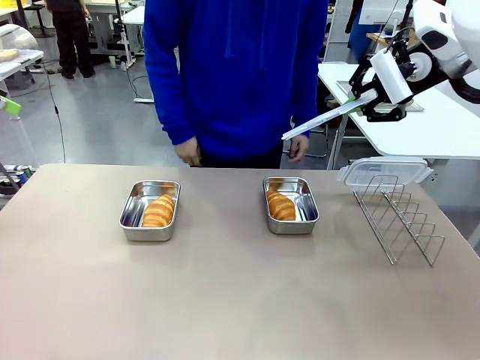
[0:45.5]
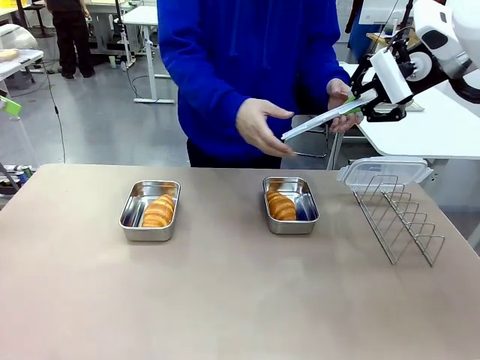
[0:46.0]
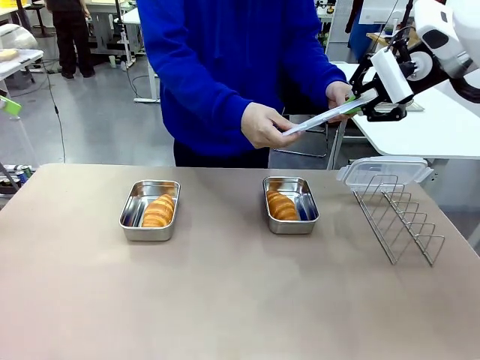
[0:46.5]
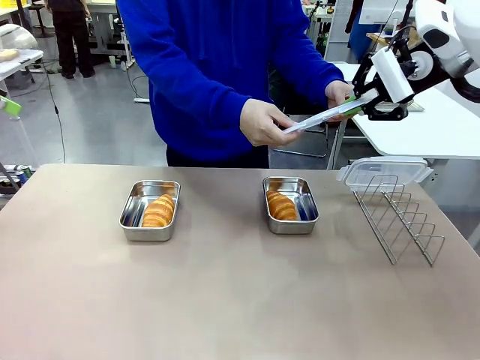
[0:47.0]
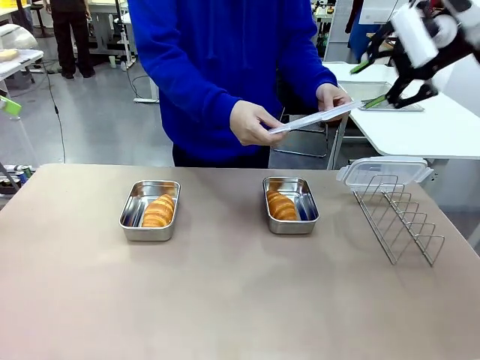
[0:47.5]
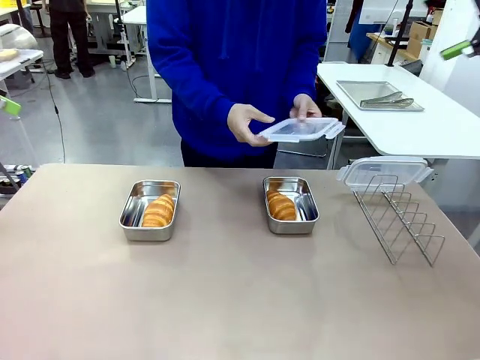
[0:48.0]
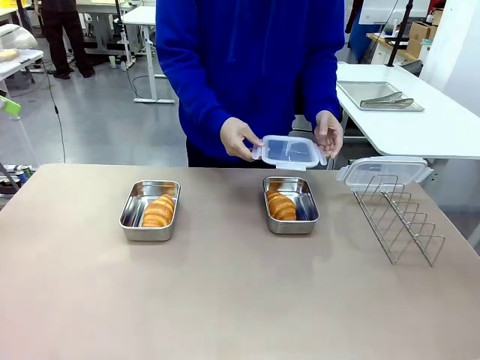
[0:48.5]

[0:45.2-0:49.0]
Task: Place the bread in airtight containers.
Robot: Release when the human grabs the Airtight Container lid.

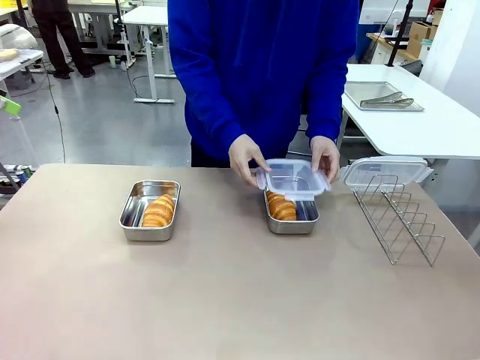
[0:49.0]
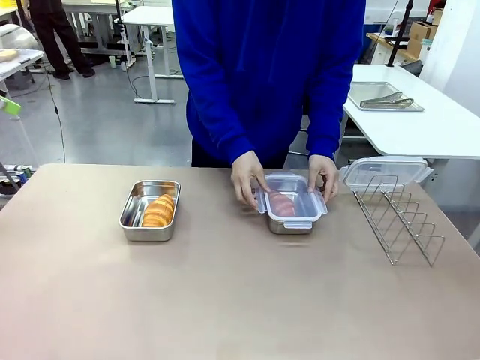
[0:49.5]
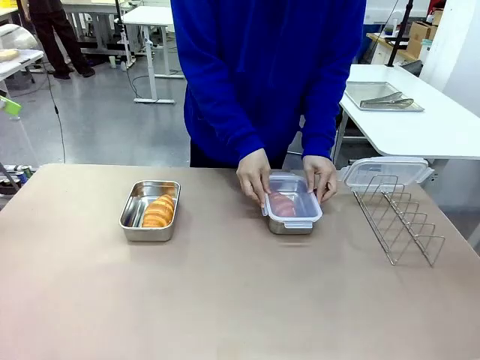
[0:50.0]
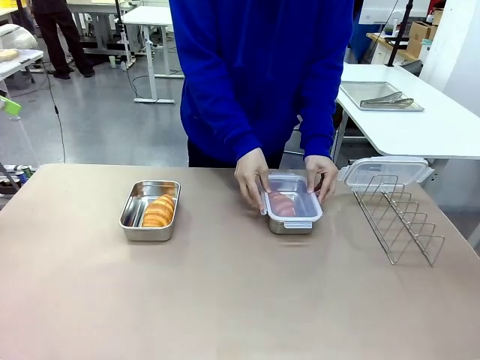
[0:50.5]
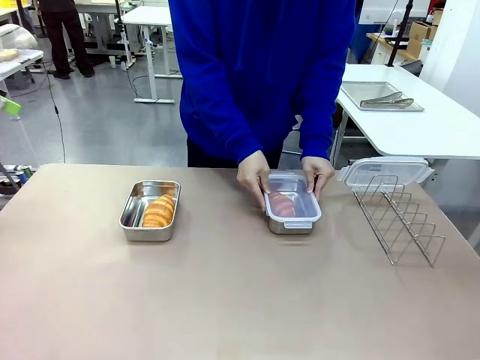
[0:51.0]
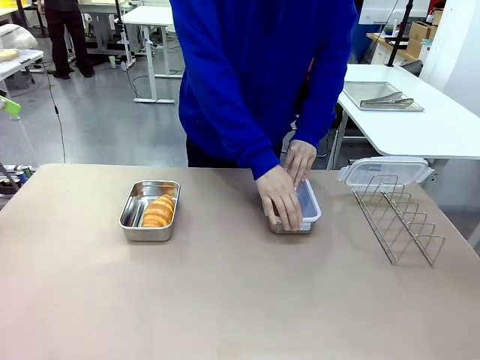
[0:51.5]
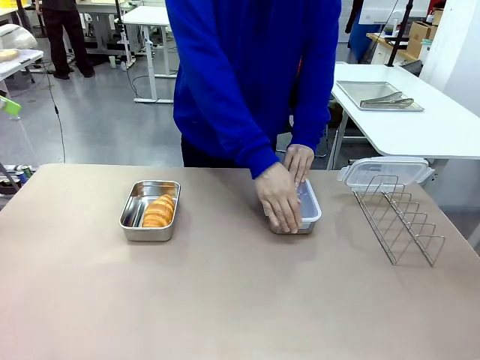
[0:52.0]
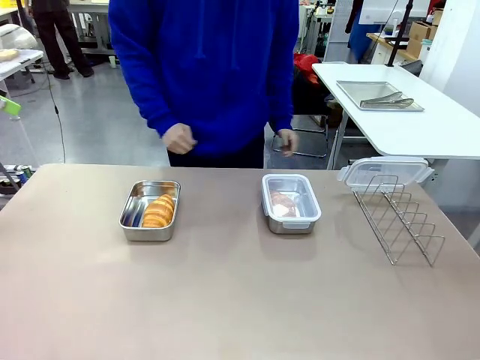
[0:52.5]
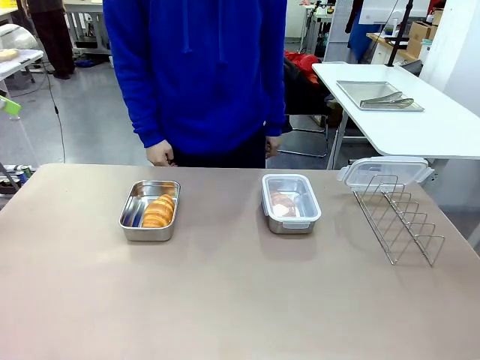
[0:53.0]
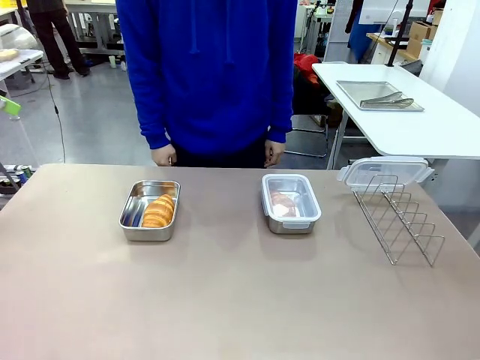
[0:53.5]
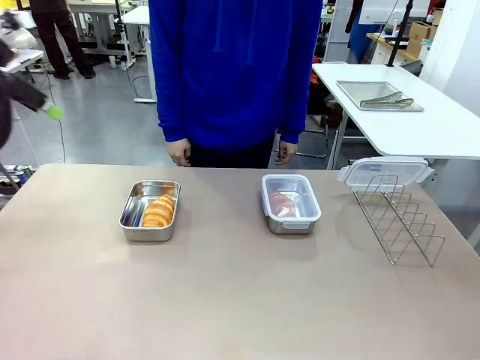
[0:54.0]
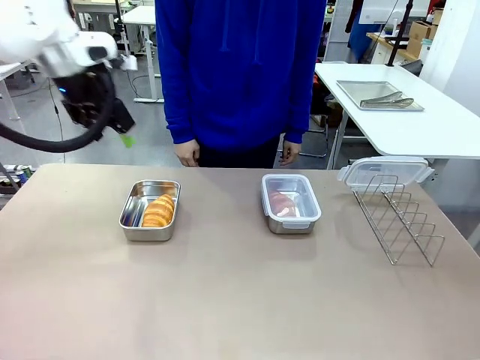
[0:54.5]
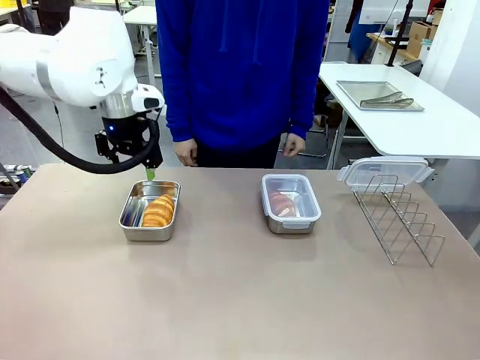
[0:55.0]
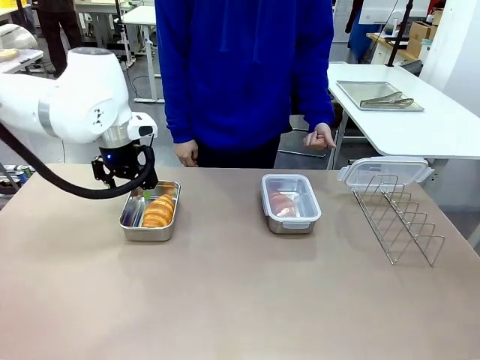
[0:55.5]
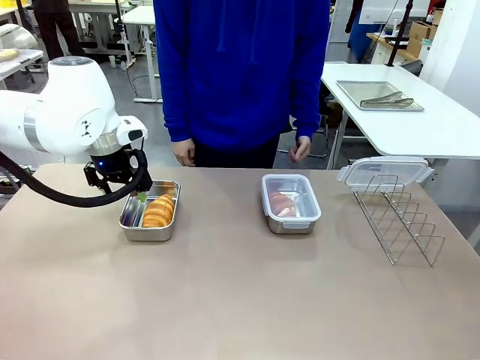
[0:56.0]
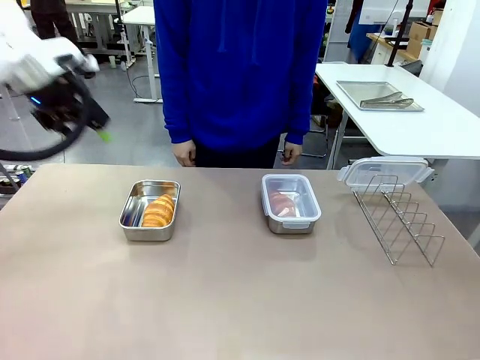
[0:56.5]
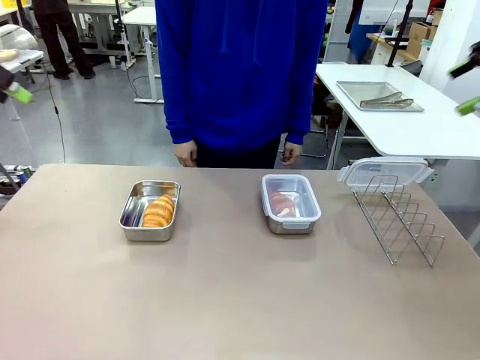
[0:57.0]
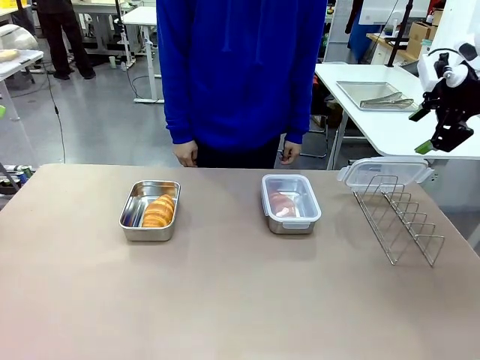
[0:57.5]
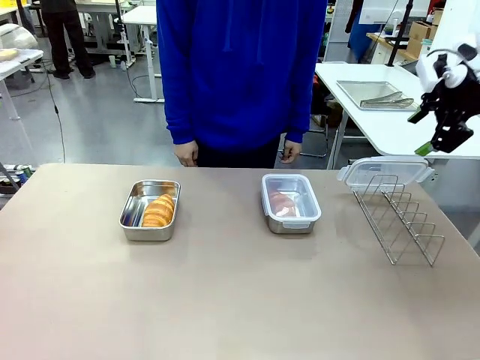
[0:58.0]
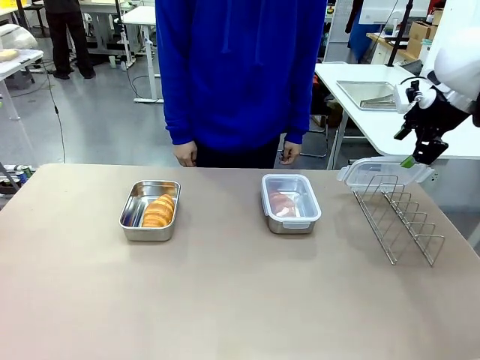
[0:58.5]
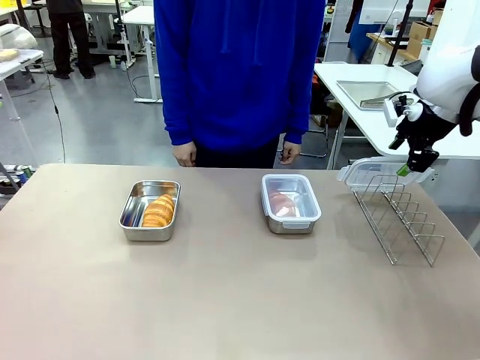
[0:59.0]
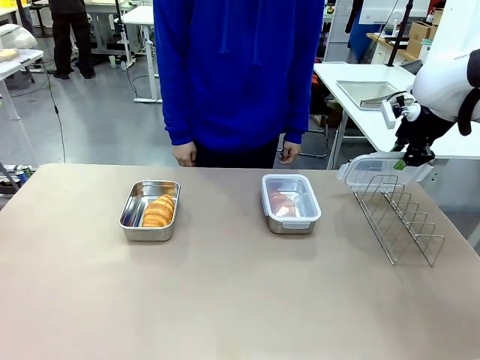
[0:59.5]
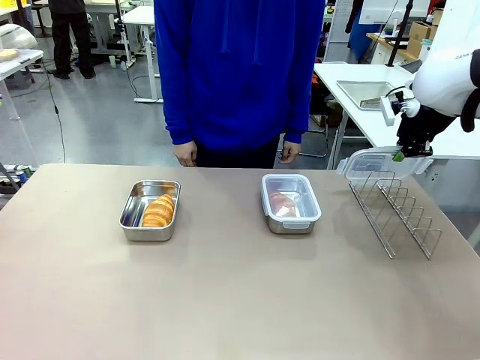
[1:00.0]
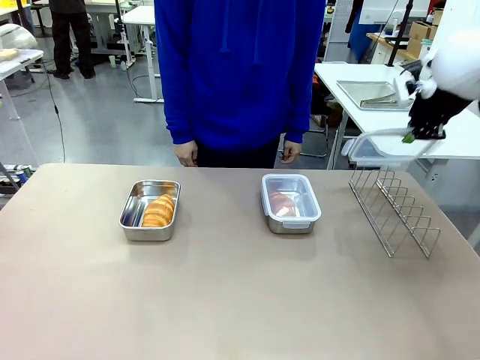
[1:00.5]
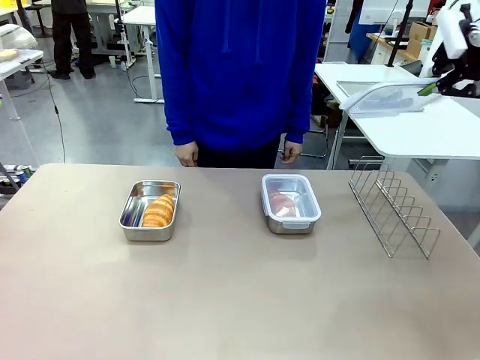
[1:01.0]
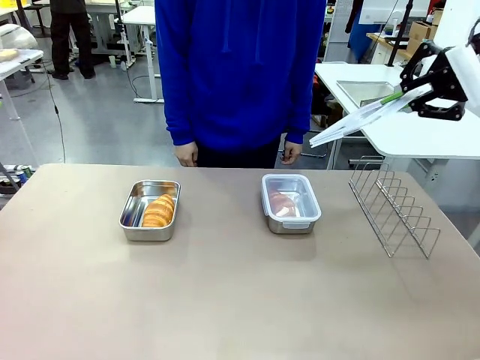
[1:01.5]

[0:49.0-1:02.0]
Robot: Pick up one Airtight Container lid and hand it to the human.
Person: Close Airtight Container with a handed Airtight Container lid. Grip Airtight Container lid that robot is handing.

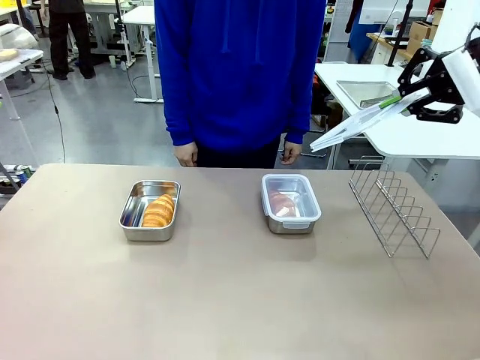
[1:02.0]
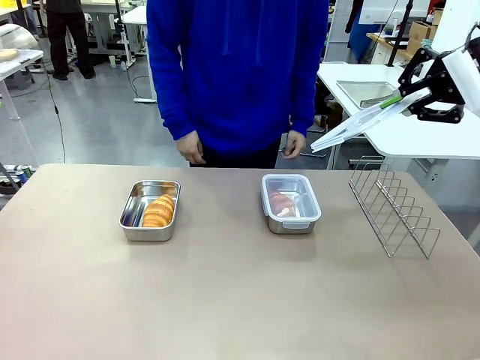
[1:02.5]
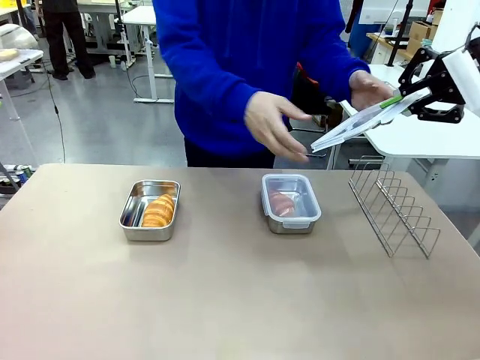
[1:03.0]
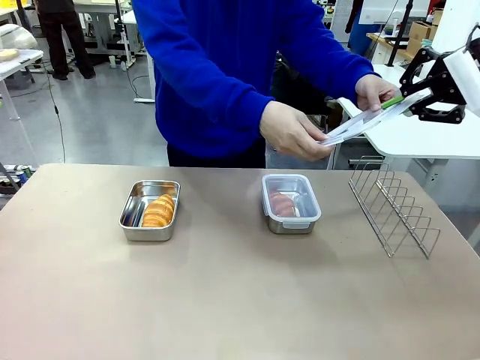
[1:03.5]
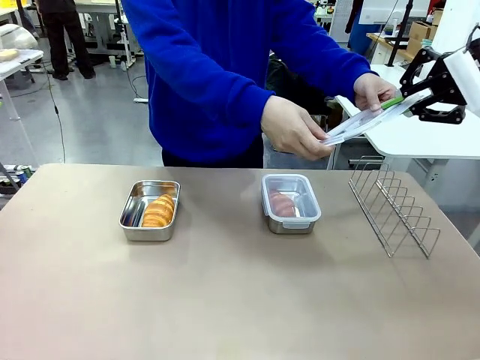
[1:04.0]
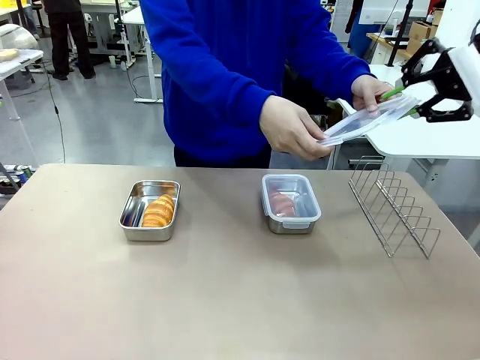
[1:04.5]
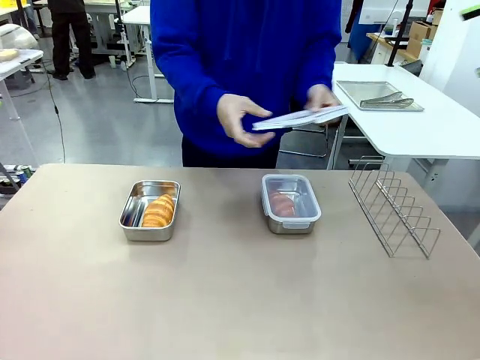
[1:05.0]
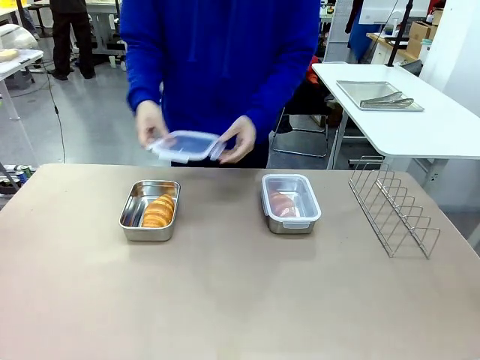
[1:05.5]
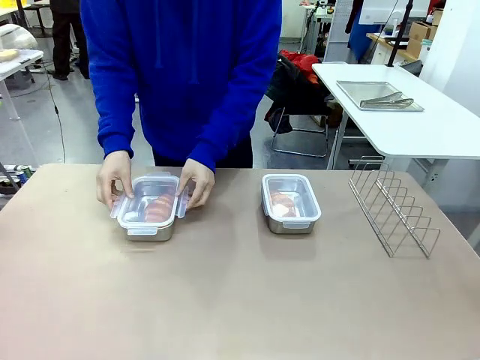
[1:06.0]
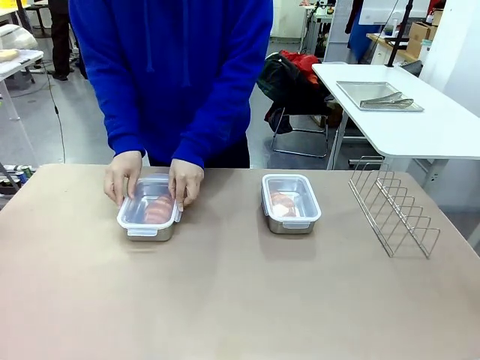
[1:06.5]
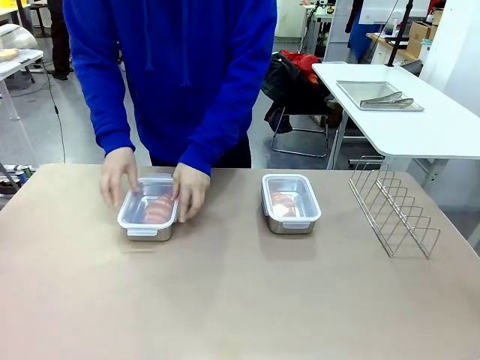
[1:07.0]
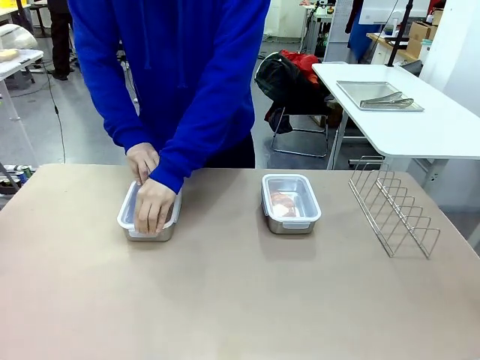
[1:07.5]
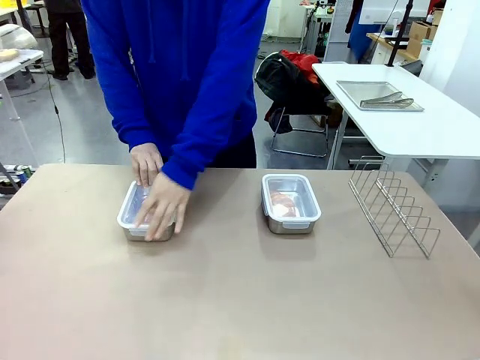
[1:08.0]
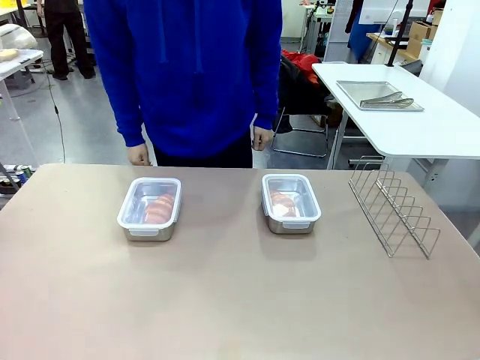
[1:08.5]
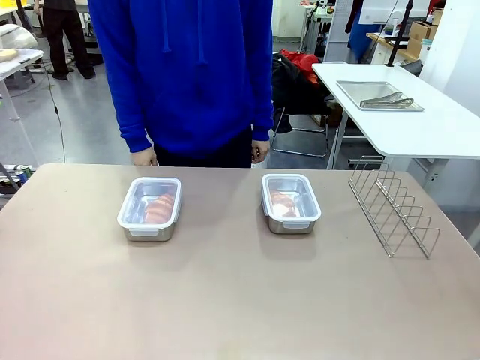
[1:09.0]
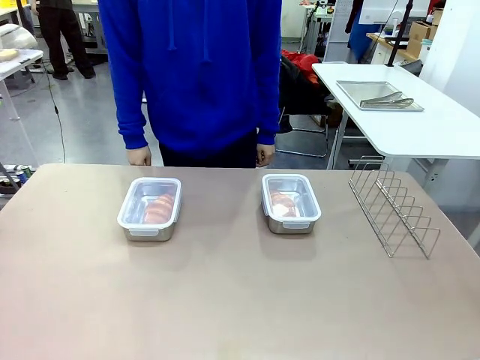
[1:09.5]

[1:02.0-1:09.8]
Robot: Release when the human grabs the Airtight Container lid.
Person: Close Airtight Container with a handed Airtight Container lid.
